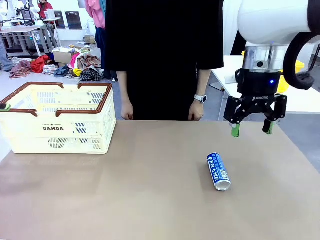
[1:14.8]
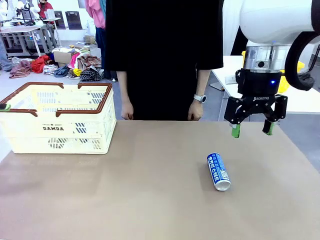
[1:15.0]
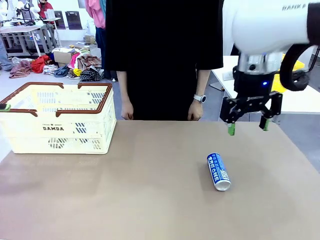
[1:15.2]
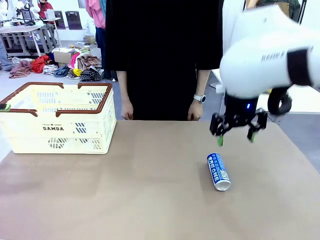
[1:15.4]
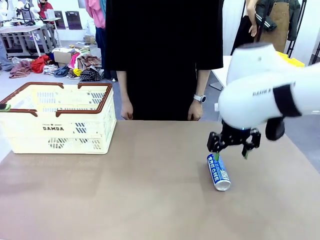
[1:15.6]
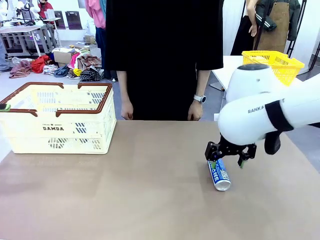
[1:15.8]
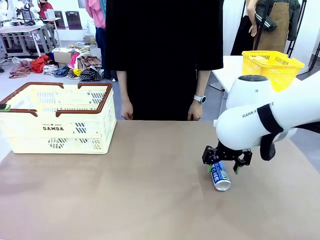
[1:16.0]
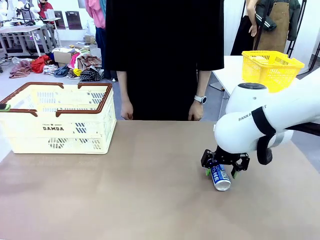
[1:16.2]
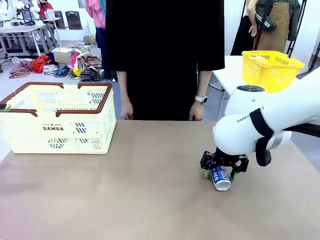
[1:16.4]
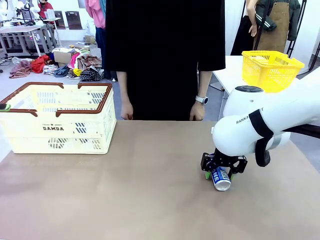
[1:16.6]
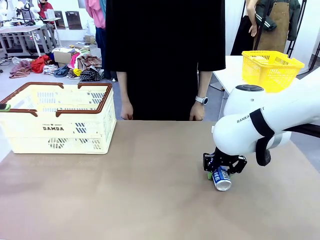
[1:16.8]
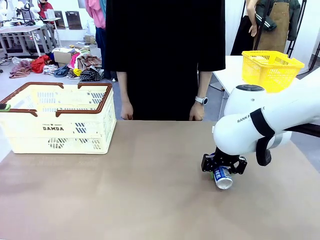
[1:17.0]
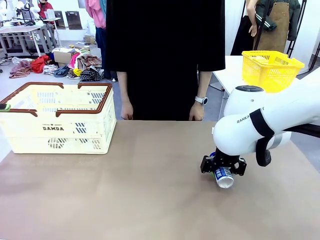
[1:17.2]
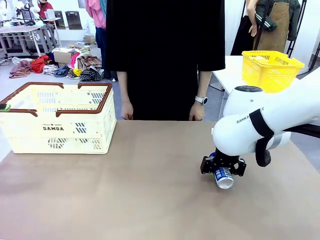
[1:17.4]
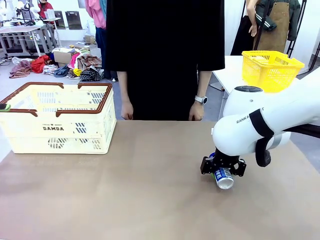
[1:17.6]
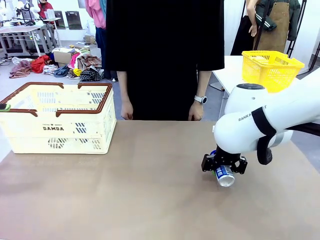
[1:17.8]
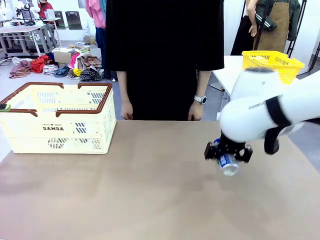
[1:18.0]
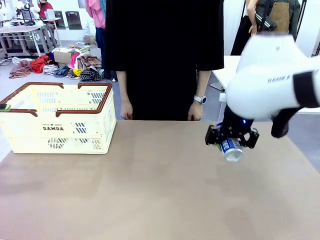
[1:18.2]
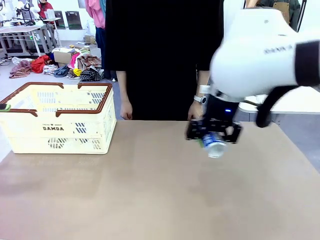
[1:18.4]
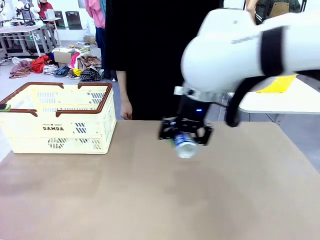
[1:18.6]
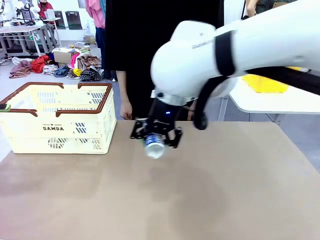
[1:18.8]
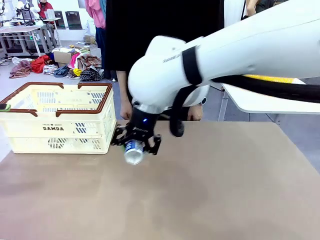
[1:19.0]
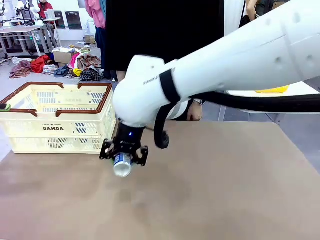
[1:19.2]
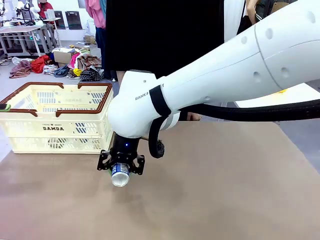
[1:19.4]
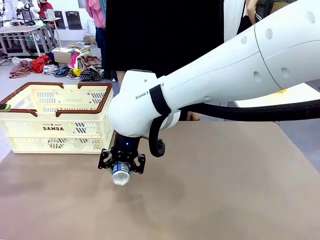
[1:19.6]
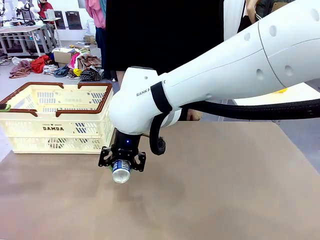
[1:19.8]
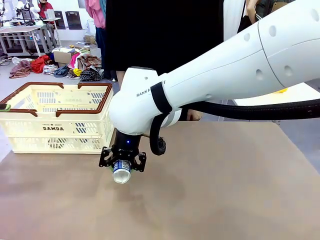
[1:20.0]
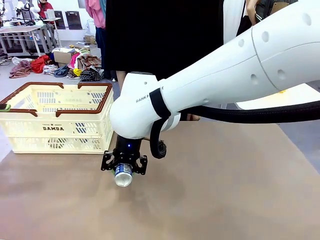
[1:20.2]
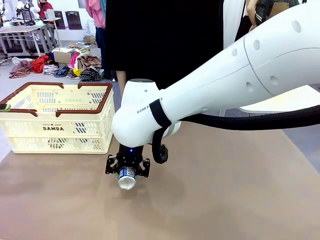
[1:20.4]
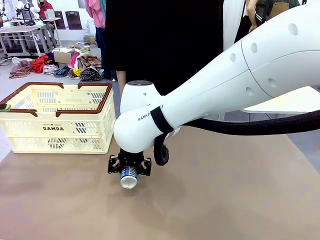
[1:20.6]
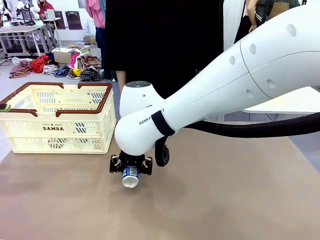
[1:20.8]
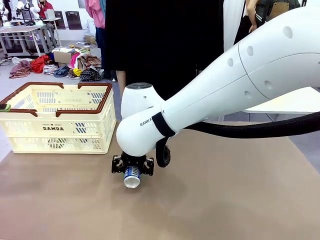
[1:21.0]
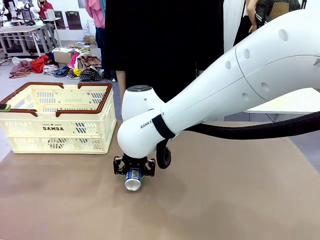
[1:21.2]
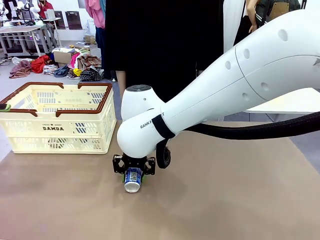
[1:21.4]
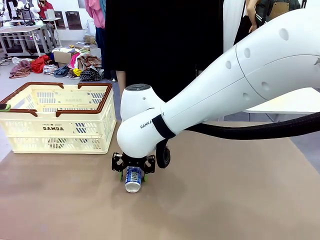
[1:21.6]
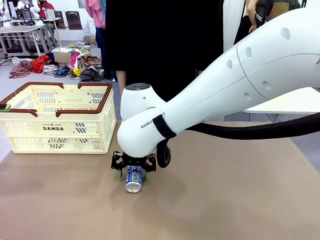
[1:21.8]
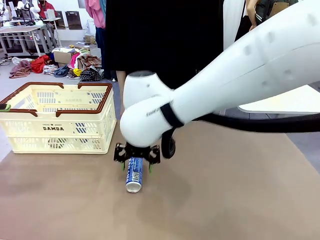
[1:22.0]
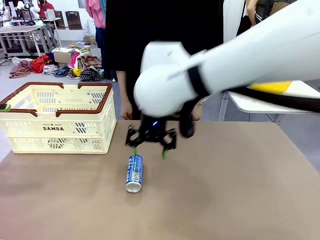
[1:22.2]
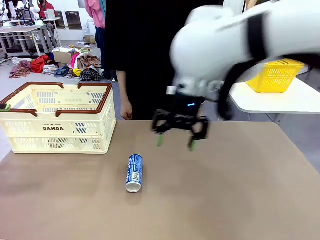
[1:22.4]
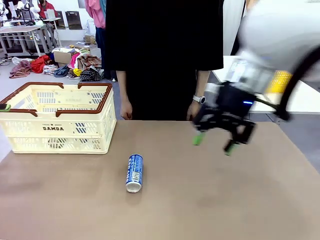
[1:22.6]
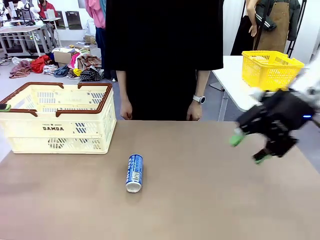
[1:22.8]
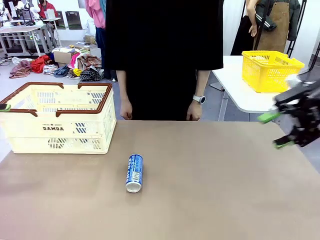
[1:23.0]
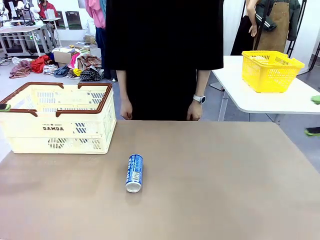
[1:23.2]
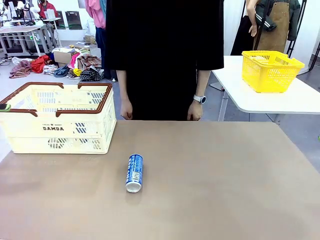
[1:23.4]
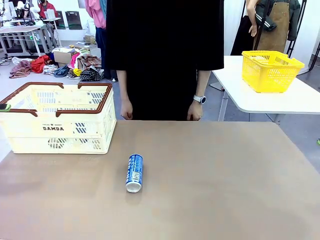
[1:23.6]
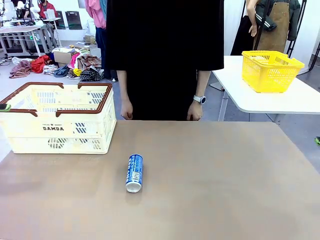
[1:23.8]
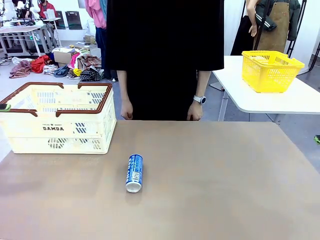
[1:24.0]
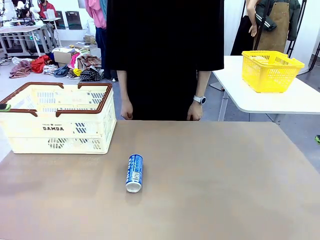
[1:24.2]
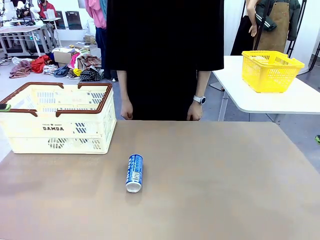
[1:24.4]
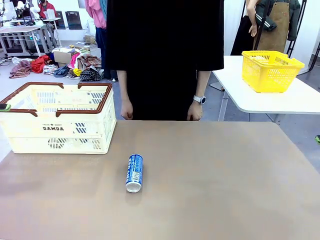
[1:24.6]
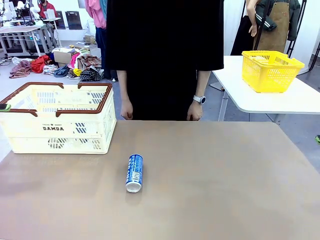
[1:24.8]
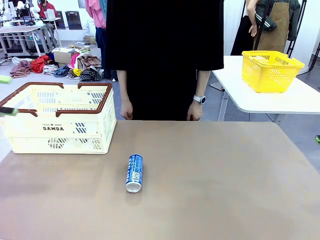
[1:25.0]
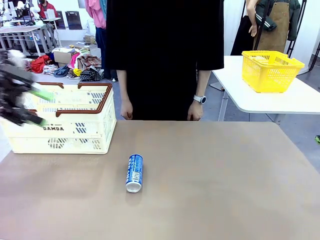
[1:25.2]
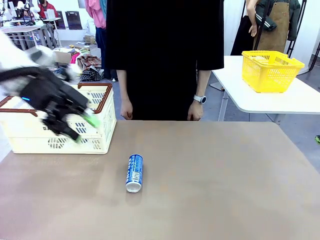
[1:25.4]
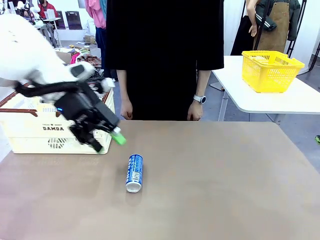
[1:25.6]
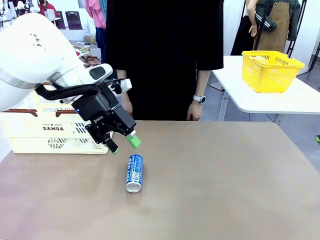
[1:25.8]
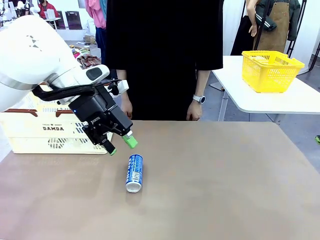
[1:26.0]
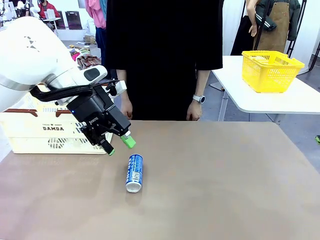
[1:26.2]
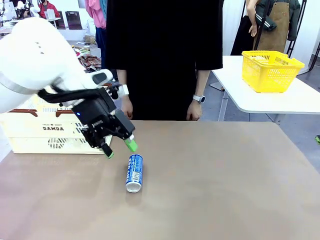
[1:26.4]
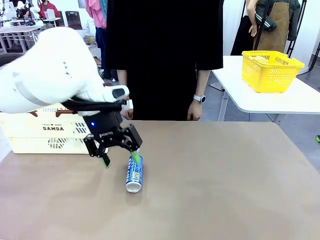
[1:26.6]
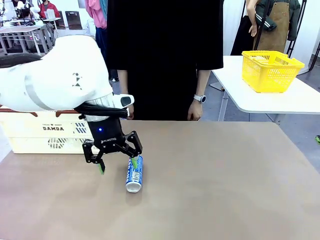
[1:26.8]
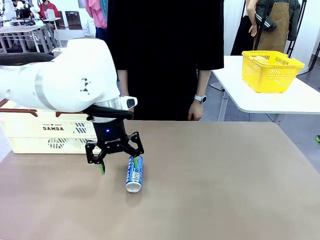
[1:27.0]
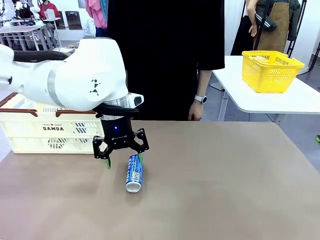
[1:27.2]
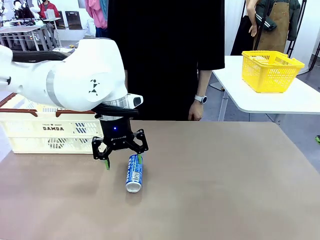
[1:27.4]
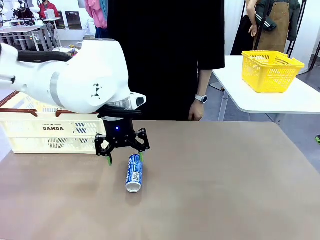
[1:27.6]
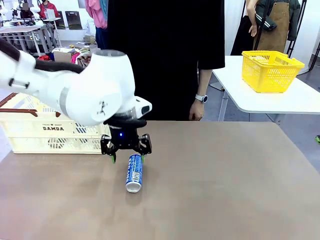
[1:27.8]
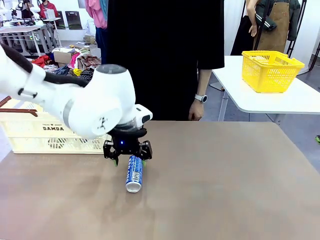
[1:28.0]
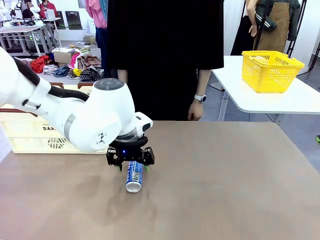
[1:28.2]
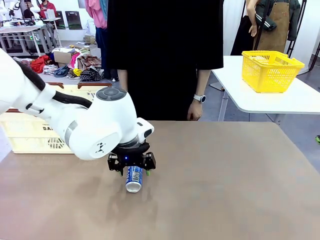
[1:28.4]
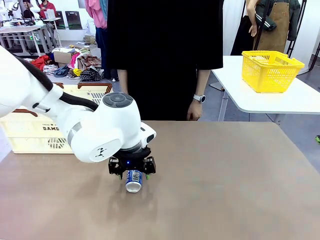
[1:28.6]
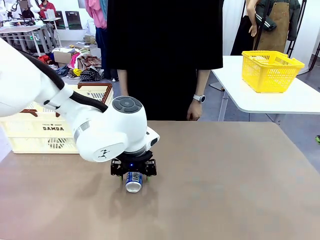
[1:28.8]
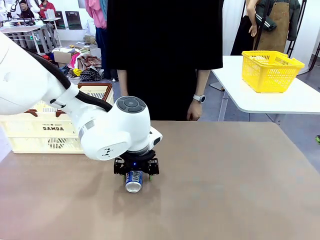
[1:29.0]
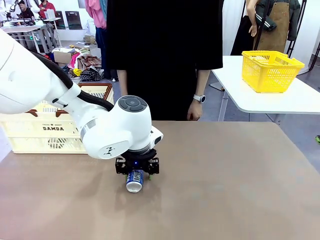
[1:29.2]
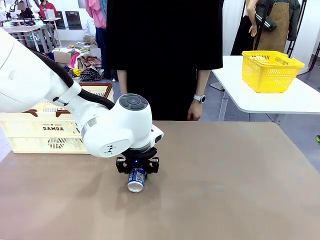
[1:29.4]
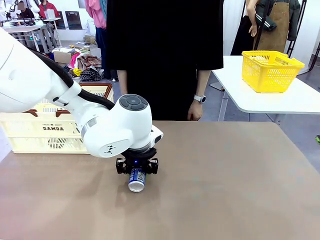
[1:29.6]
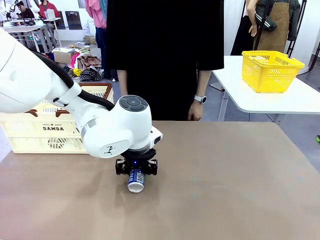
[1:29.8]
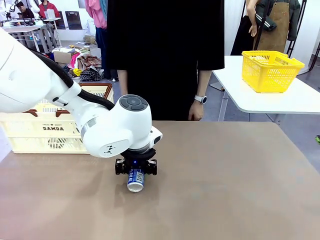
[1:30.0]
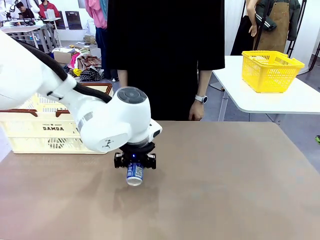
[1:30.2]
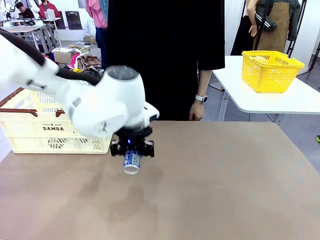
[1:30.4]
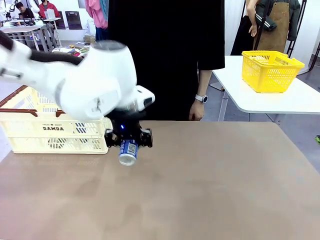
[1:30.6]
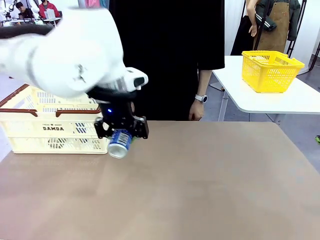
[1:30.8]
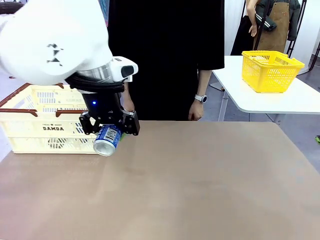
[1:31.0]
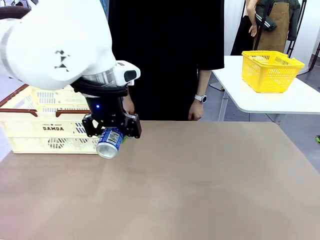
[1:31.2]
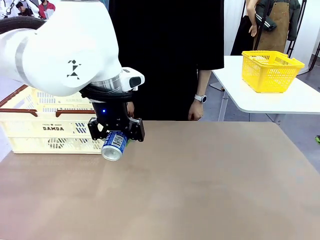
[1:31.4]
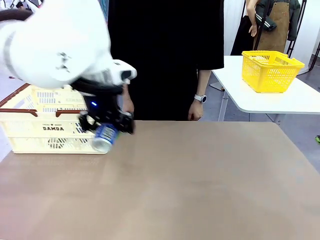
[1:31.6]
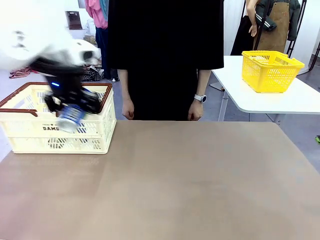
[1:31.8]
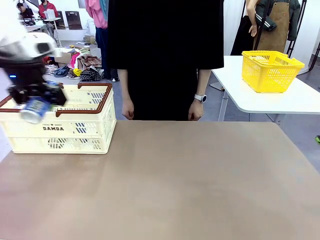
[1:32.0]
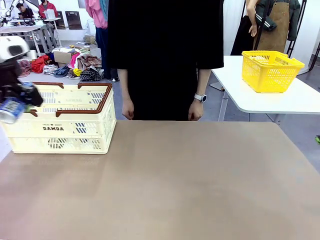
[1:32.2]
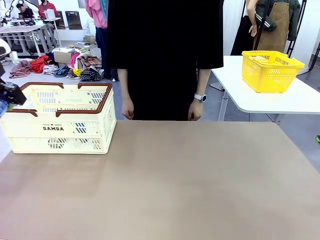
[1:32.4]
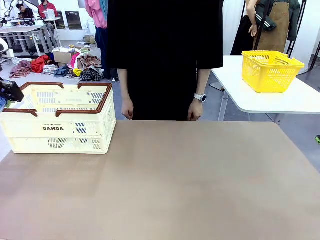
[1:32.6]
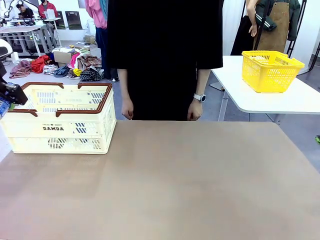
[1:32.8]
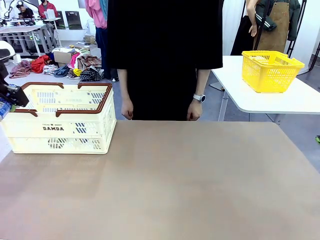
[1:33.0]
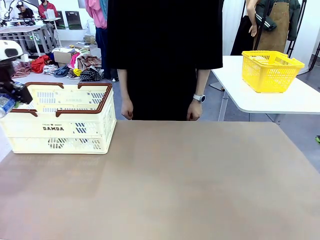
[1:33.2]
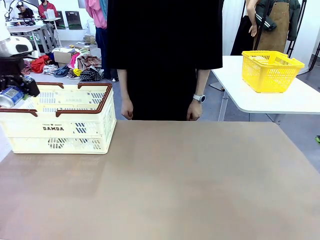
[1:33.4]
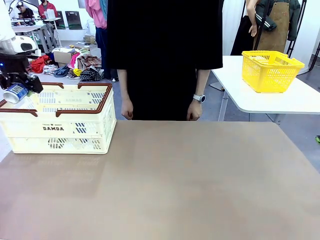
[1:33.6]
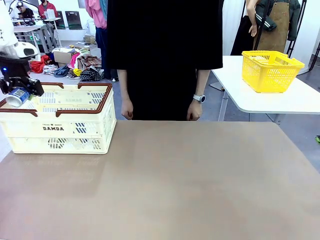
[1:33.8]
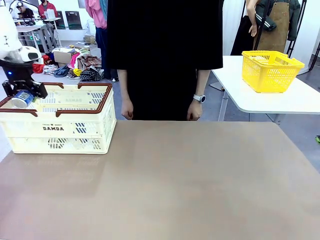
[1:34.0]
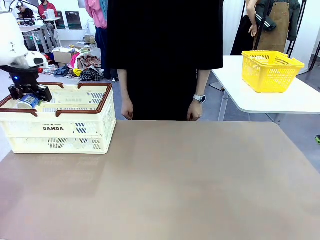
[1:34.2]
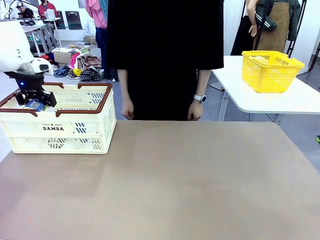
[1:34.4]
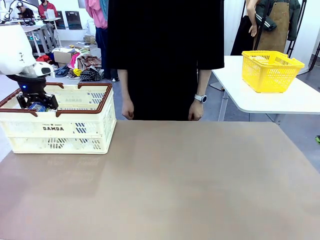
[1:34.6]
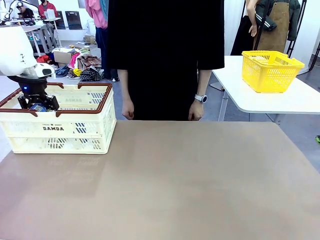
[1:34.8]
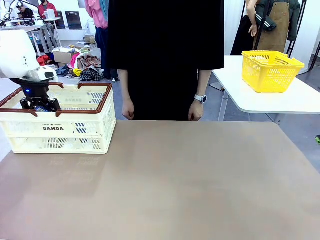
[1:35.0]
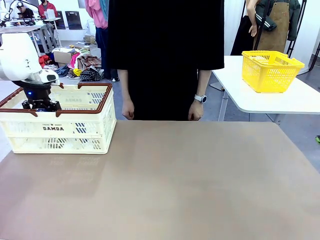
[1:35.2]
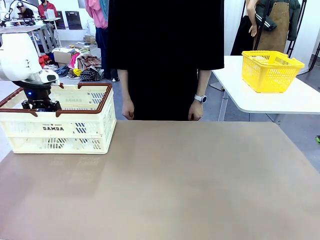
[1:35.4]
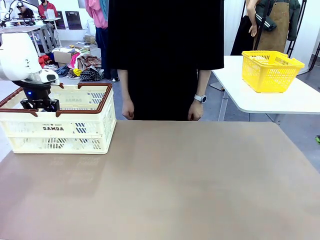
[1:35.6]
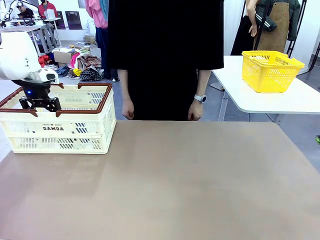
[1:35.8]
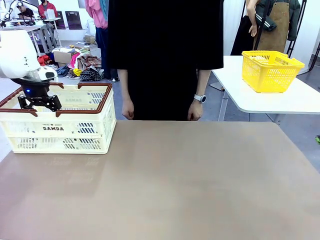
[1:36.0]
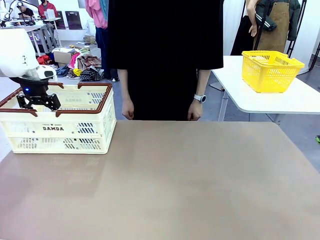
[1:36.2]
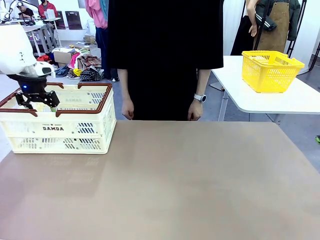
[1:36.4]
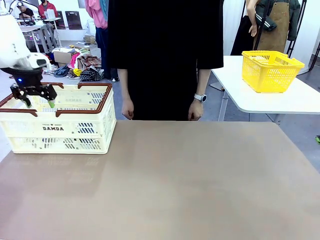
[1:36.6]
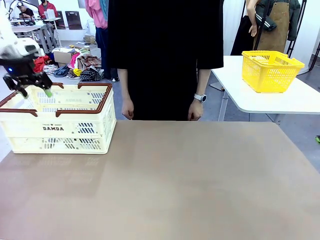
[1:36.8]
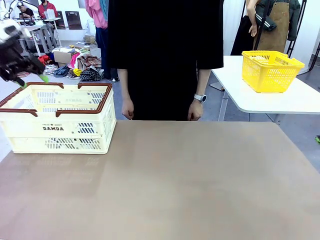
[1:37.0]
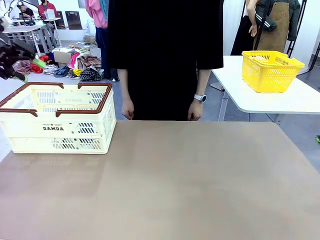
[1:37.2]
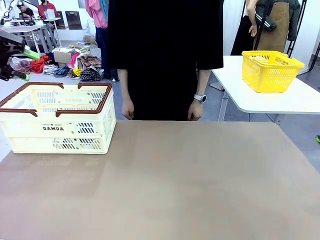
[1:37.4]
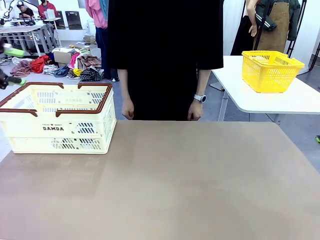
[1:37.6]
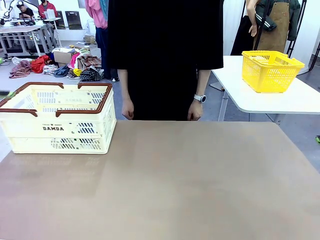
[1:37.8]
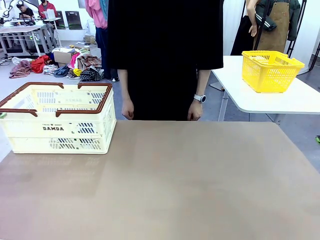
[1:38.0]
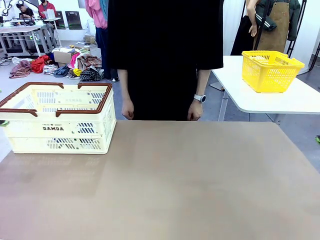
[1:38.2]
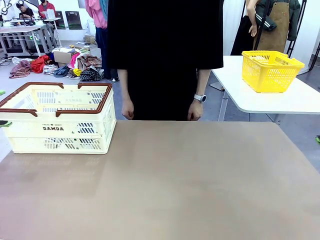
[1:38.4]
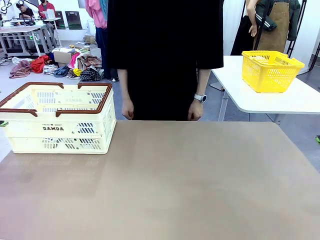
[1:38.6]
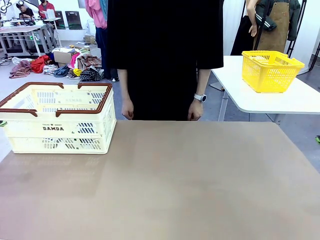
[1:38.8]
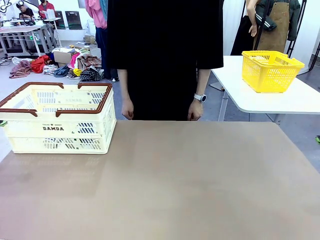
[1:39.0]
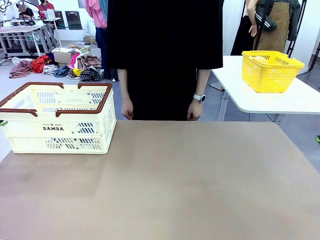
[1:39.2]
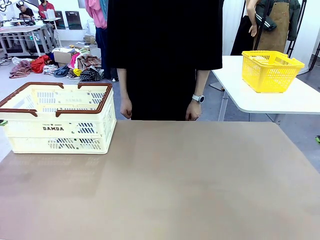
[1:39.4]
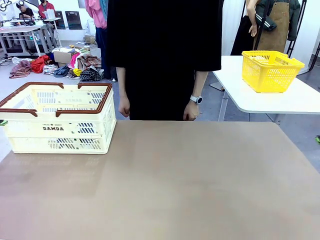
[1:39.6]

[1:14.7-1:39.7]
Task: Place the drinks into the Shopping basket.
Robot: Pick up one drink and place it into the Shopping basket.
